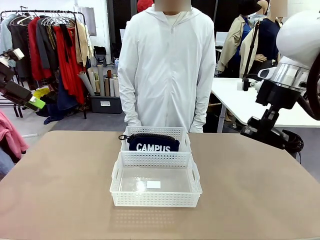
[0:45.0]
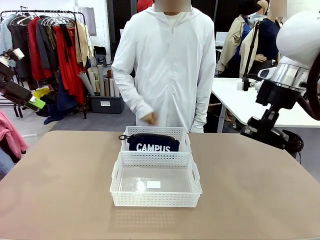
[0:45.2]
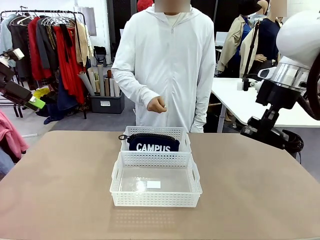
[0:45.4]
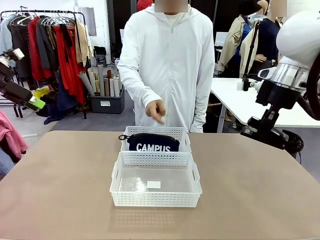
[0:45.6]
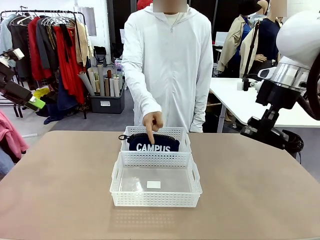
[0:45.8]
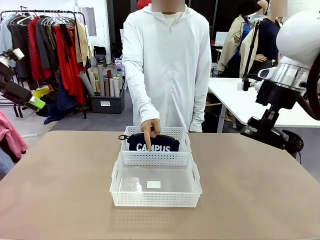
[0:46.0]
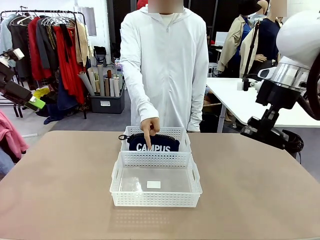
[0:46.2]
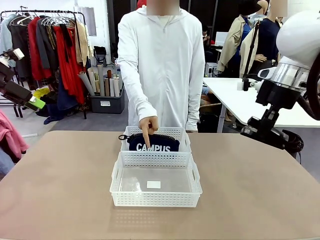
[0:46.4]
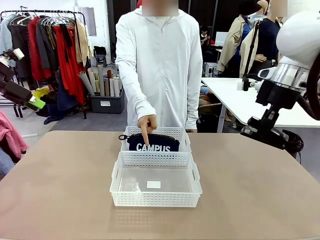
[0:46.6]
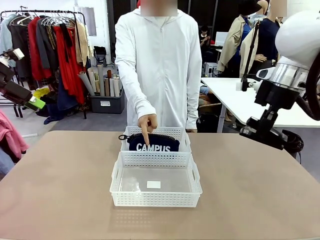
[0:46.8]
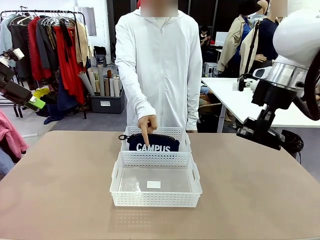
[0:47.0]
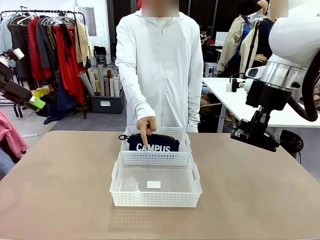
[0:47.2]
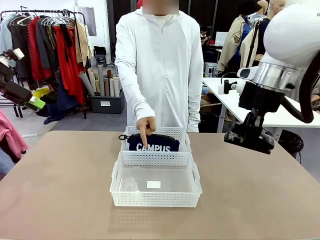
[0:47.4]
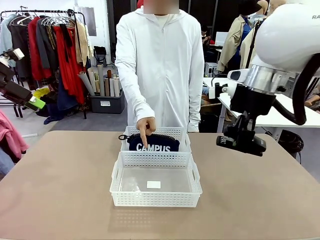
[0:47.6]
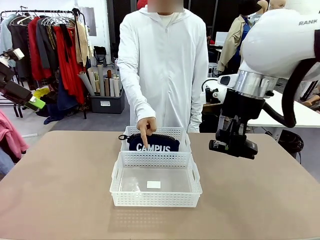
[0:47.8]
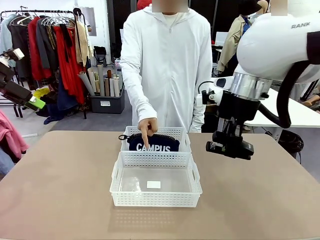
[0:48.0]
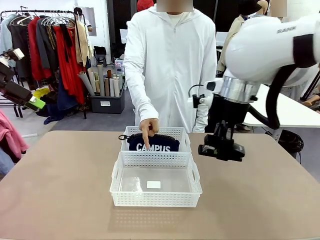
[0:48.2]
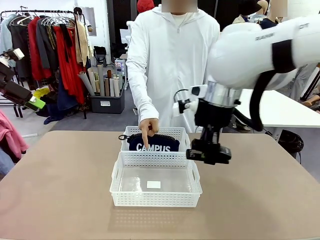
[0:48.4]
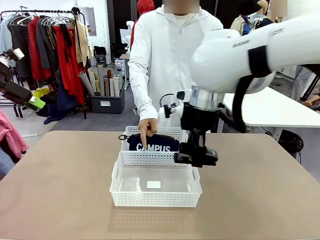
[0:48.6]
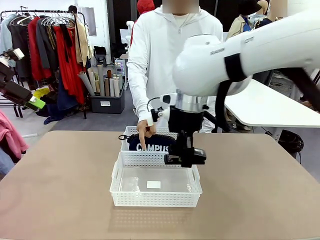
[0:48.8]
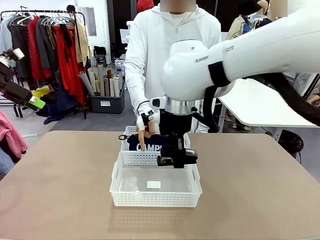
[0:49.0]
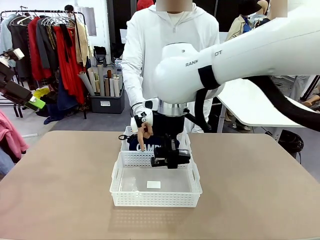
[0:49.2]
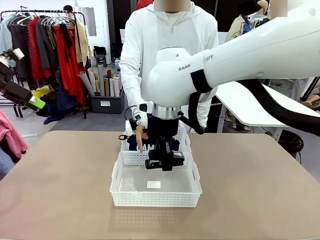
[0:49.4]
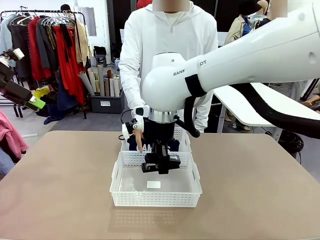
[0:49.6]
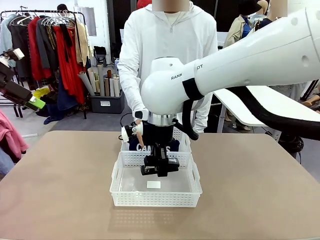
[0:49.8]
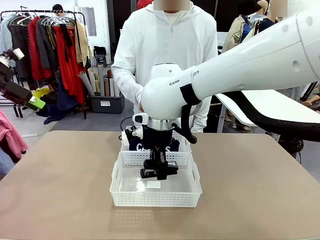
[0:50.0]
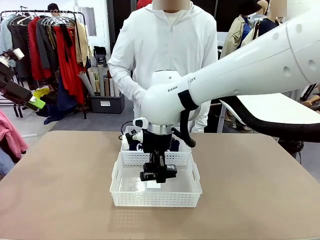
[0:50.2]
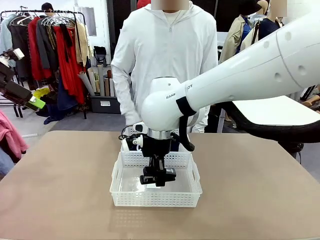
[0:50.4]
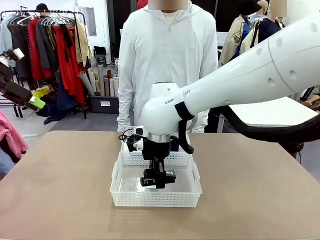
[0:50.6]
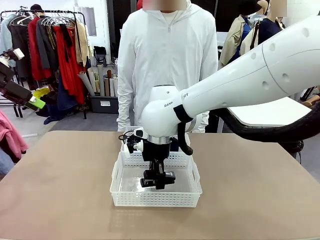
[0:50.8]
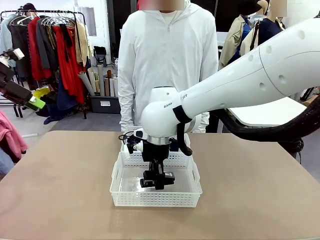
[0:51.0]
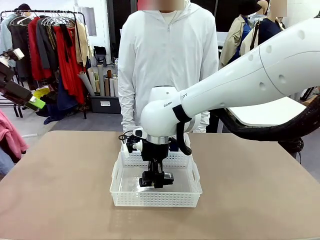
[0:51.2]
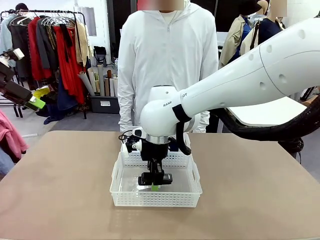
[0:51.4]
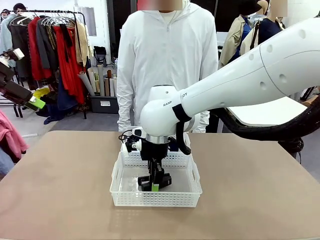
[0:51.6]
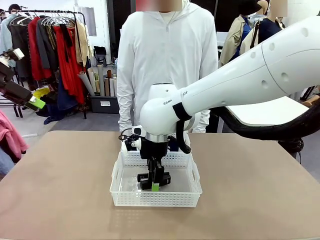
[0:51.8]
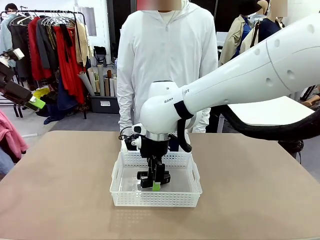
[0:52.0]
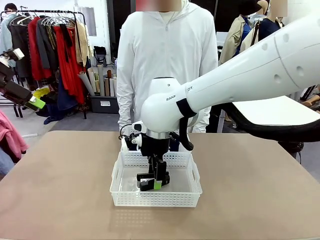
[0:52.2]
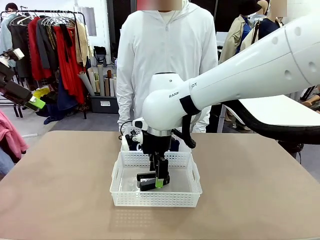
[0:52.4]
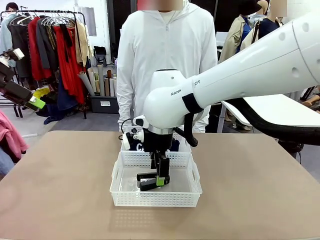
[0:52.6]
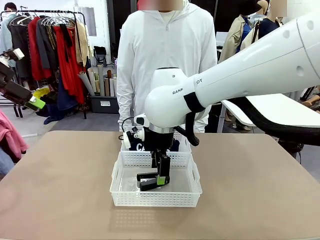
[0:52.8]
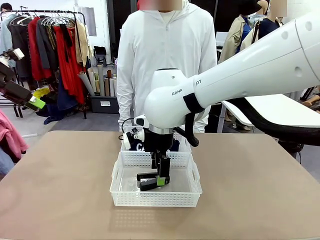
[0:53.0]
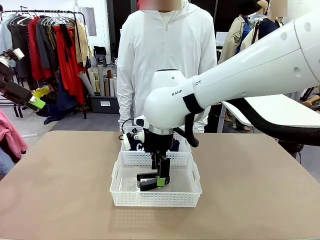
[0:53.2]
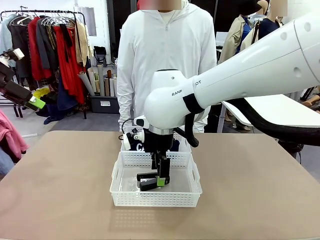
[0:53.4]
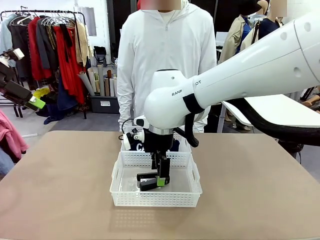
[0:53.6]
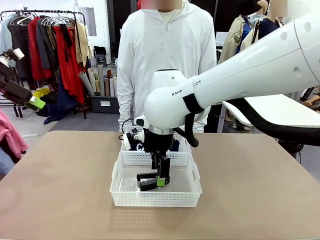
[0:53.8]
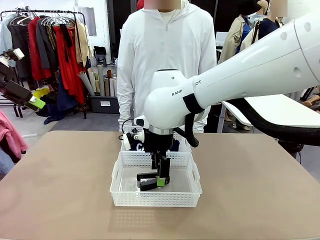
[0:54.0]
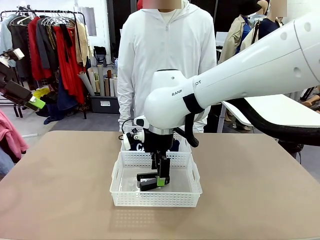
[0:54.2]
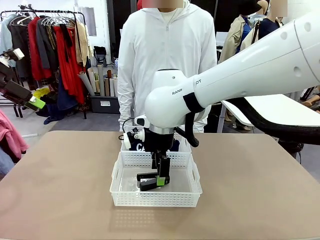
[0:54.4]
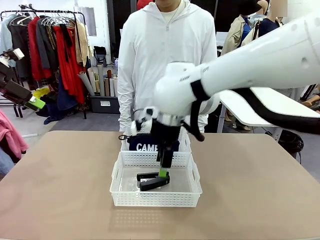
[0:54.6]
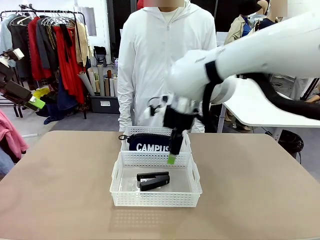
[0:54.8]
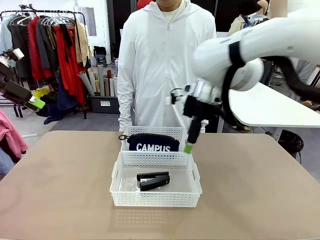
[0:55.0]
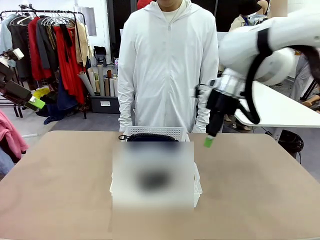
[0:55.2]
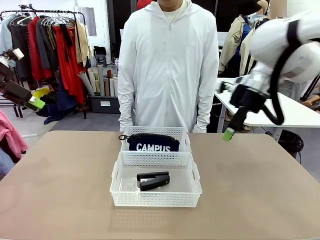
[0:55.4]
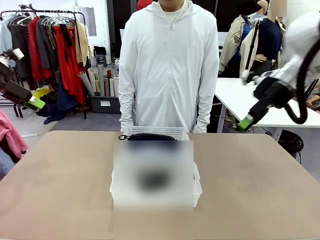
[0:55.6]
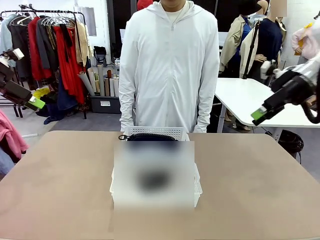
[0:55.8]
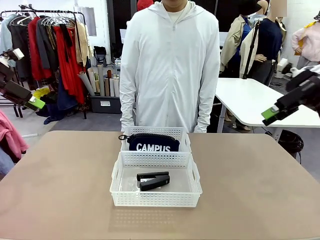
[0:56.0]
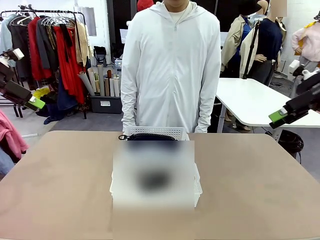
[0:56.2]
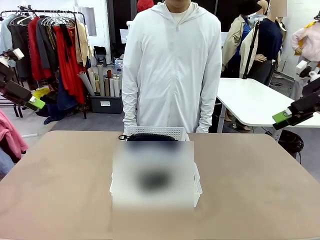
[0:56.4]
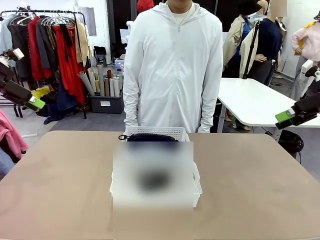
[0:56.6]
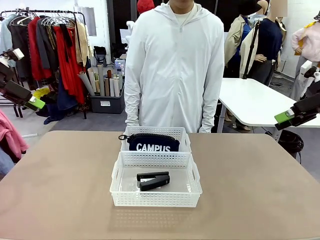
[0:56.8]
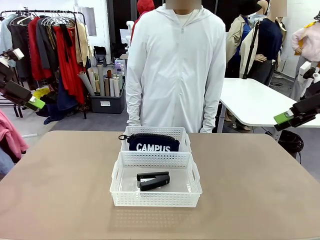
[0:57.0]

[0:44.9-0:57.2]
Task: Distribute items into two baskets.
Robot: Place the picked Stapler into the Organizing basket as instructed by the person.
Person: Points to the basket that does not contain the pencil case and instructs the robot to move the stapler there.

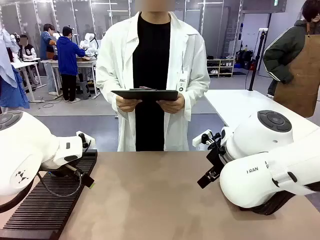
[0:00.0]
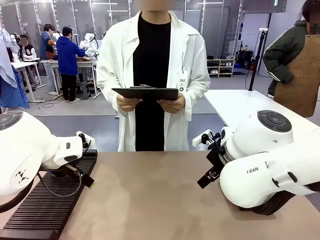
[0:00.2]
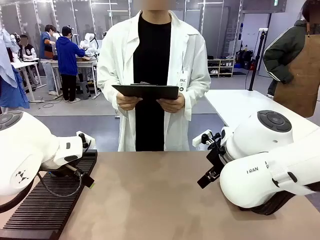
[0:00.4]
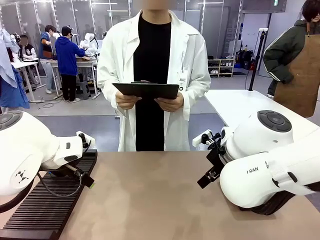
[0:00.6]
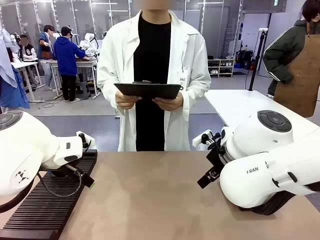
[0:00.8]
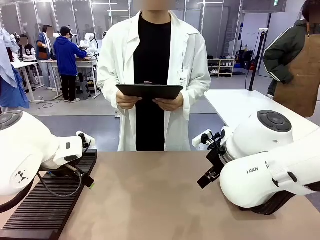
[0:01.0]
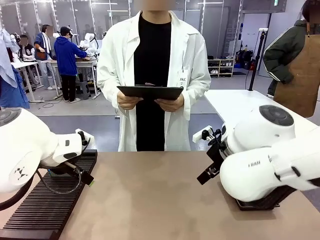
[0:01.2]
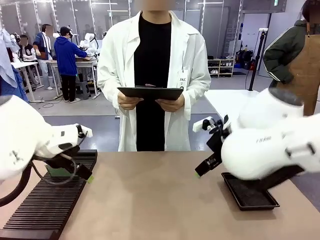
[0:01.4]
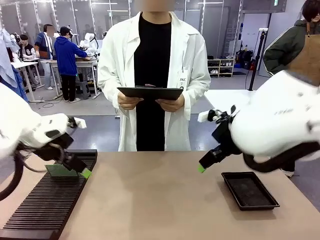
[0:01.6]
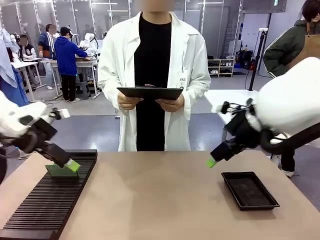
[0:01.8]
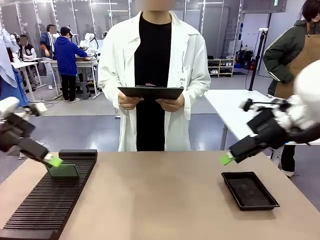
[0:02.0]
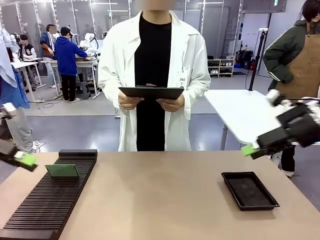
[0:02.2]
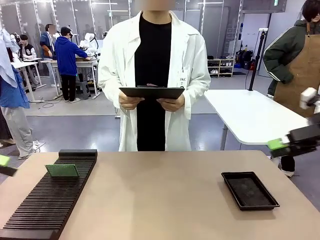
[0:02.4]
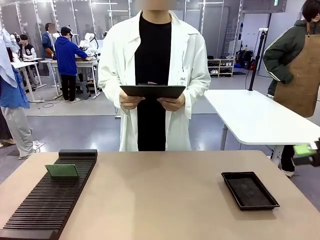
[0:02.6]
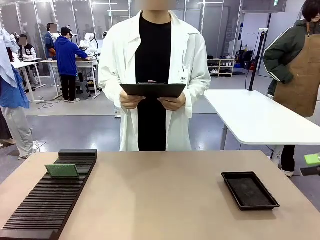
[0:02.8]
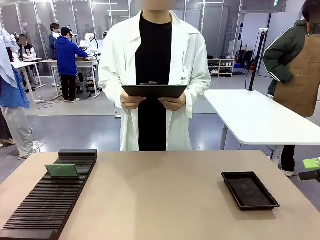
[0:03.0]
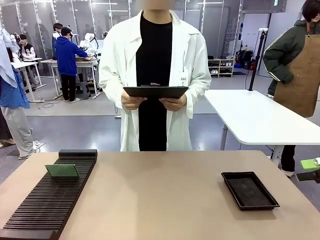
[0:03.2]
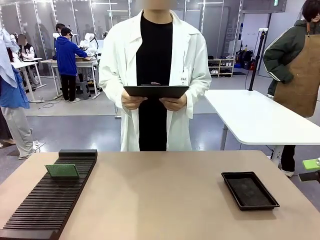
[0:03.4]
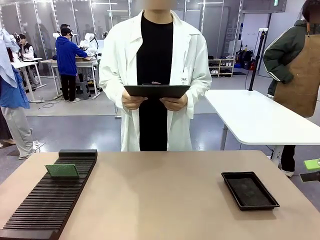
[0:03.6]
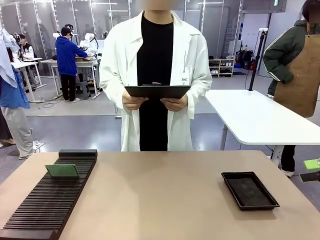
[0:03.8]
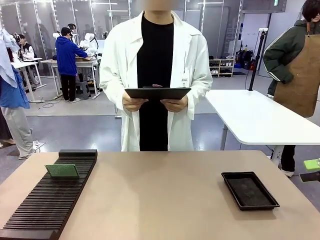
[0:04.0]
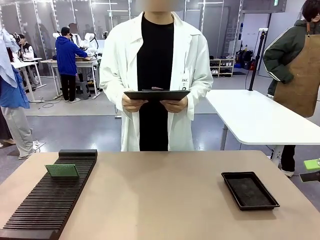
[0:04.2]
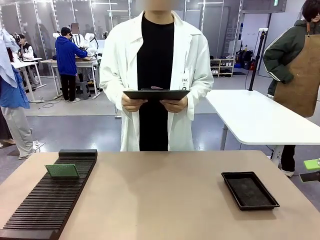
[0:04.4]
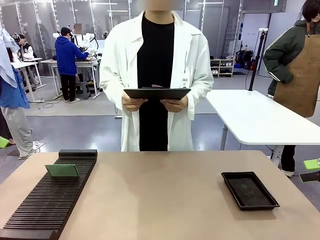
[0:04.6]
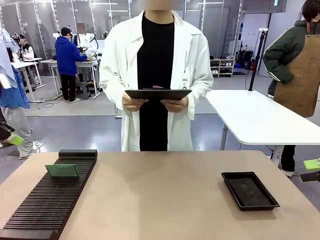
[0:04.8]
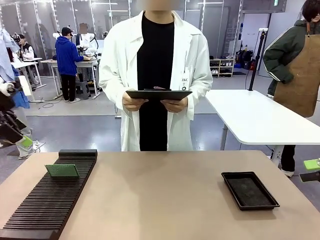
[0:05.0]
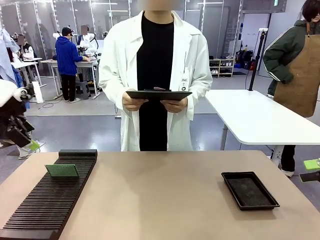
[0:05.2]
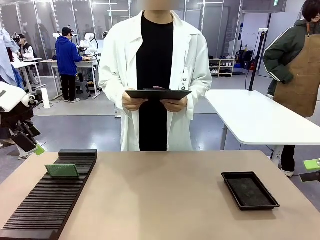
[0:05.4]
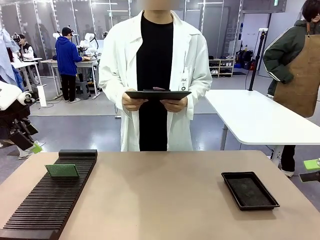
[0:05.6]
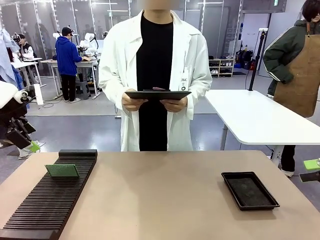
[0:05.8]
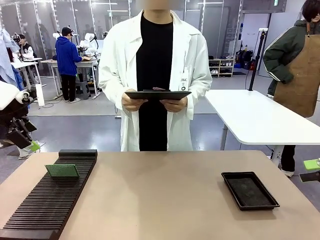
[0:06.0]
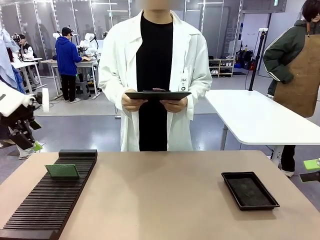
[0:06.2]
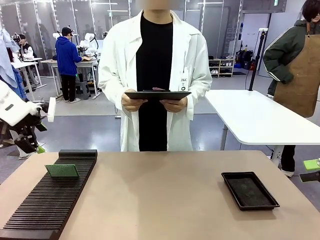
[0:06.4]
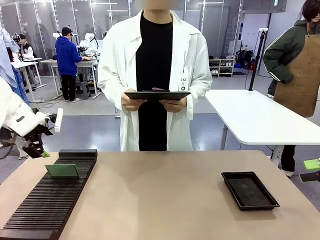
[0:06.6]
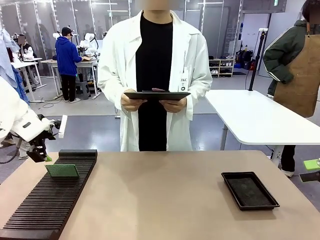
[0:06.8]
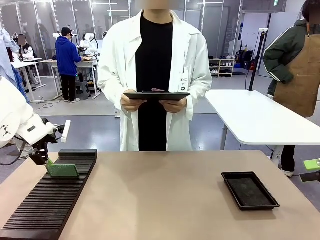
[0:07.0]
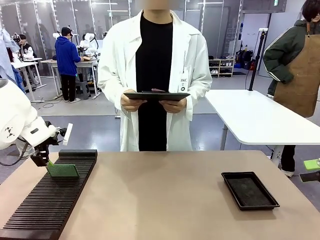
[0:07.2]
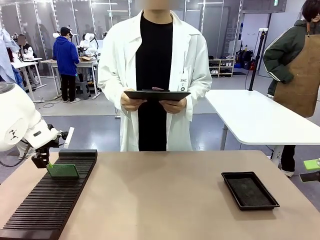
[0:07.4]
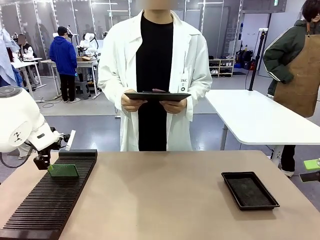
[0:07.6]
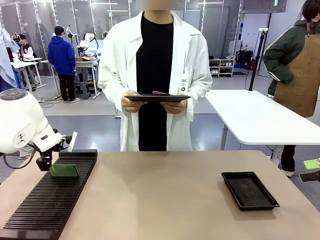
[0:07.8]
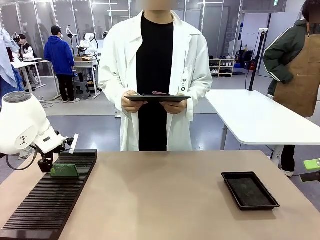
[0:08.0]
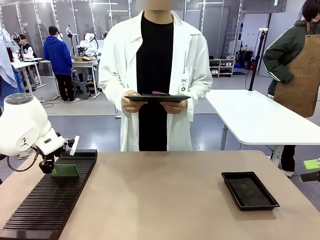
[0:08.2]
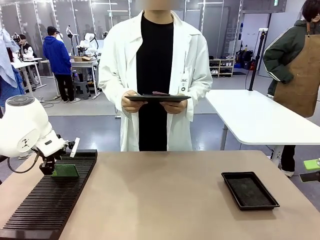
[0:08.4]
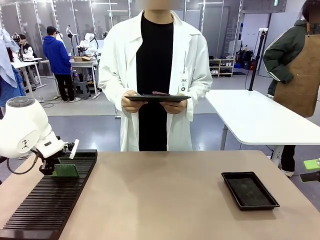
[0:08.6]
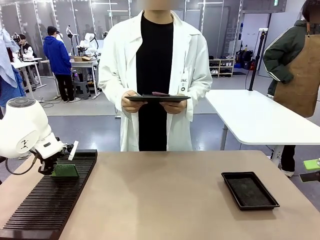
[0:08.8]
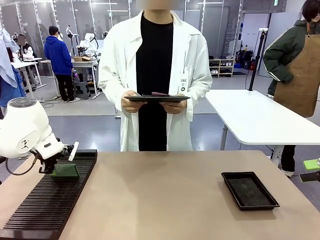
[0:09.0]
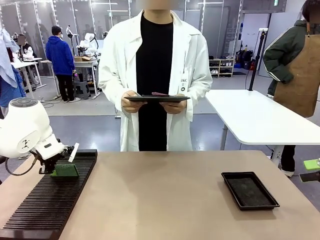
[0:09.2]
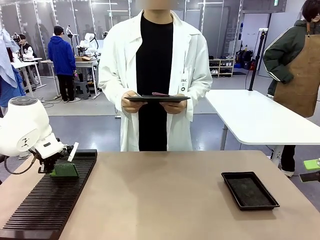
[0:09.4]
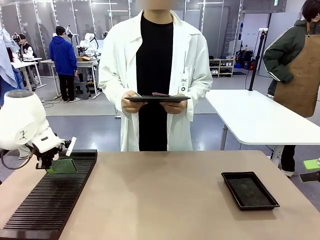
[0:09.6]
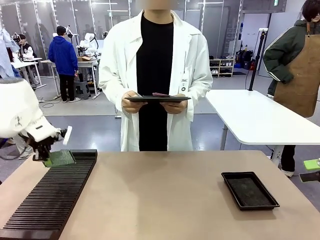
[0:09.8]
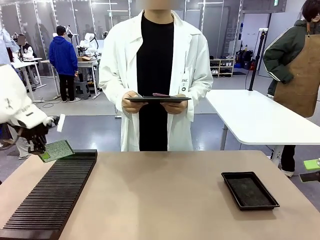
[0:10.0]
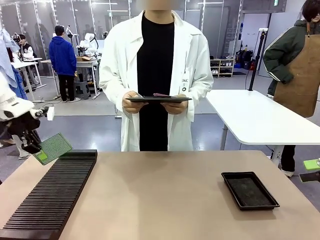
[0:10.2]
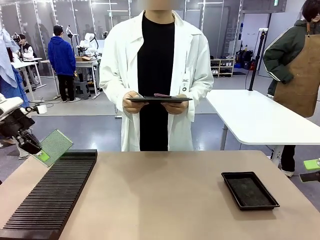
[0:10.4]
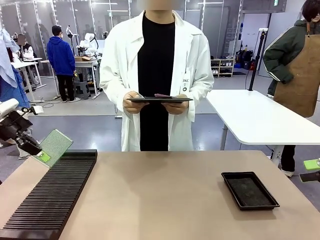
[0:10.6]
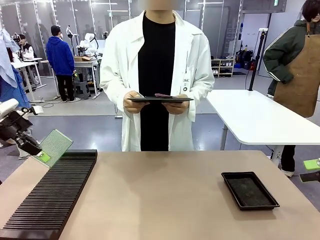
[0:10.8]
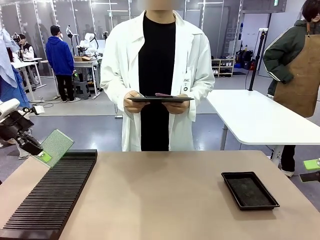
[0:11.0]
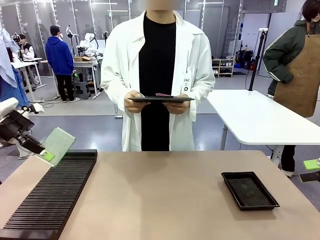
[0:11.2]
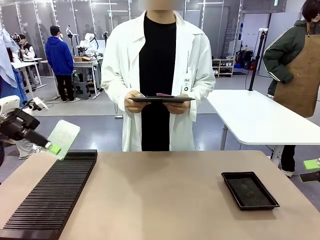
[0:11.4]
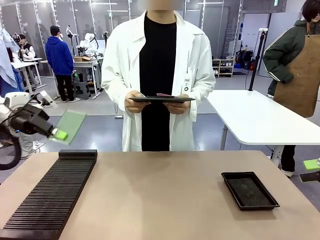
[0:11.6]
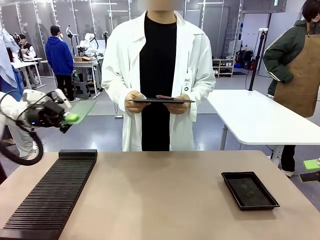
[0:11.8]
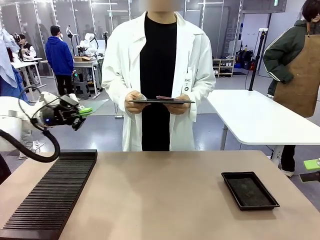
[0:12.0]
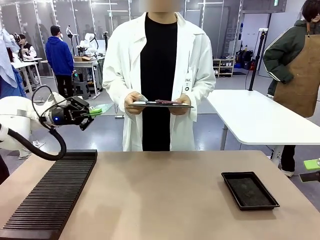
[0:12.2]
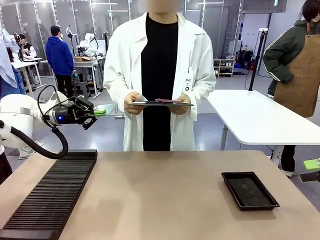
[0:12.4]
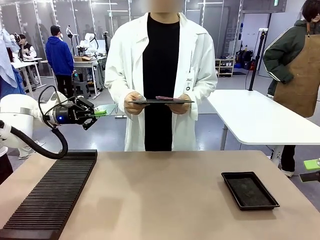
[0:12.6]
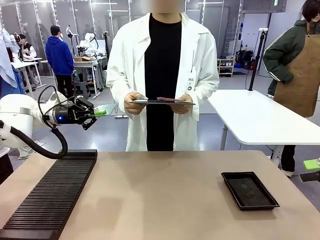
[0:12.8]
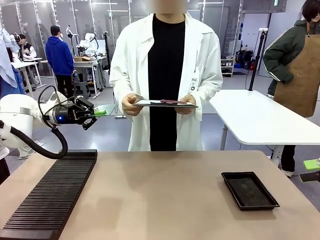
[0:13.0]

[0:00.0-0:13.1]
Task: Inspect the PCB.
Robot: Pick up the Blank PCB and present it to the human.
Person: Pick up the PCB presented by the robot.
